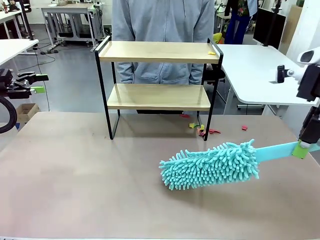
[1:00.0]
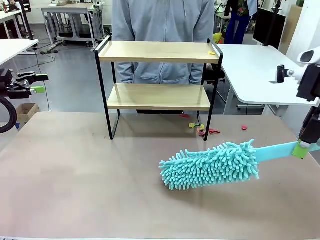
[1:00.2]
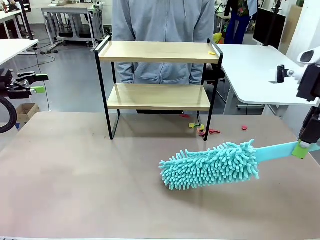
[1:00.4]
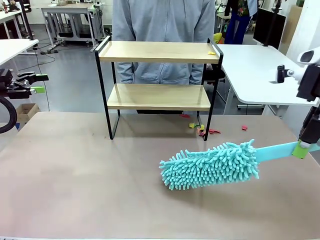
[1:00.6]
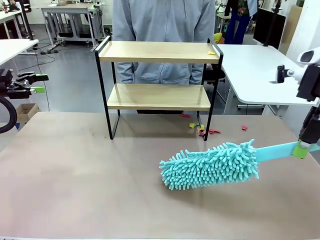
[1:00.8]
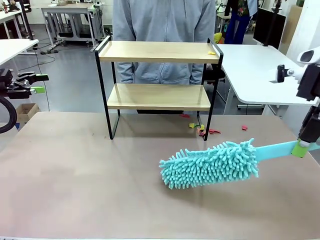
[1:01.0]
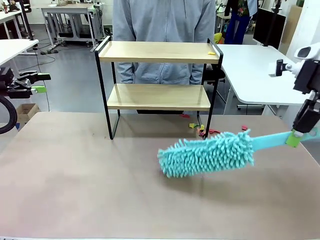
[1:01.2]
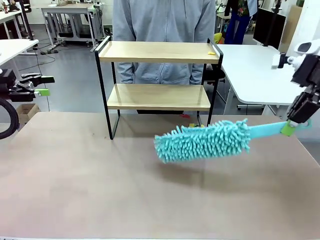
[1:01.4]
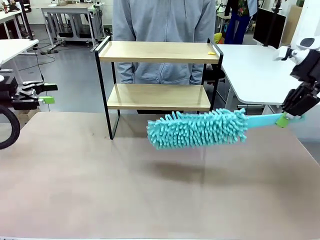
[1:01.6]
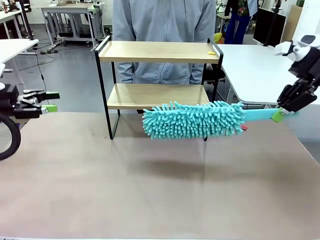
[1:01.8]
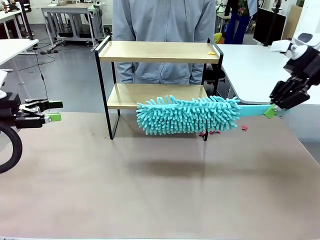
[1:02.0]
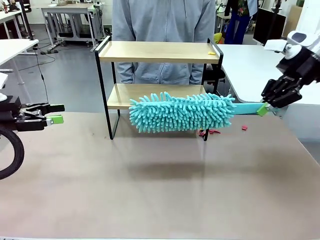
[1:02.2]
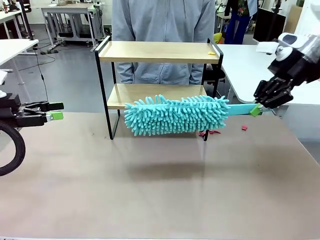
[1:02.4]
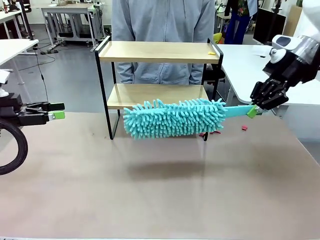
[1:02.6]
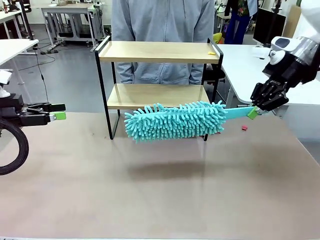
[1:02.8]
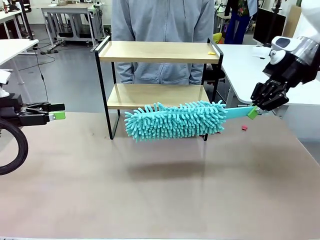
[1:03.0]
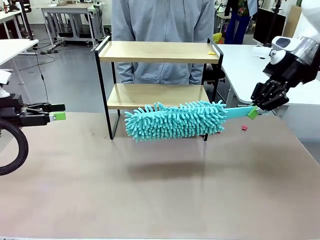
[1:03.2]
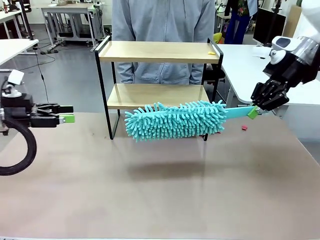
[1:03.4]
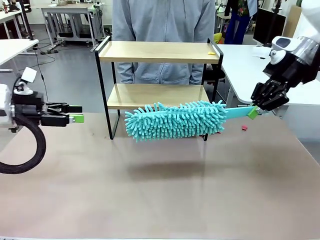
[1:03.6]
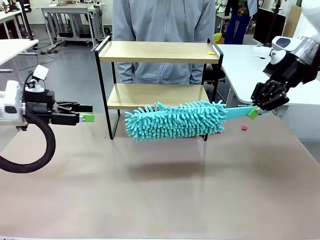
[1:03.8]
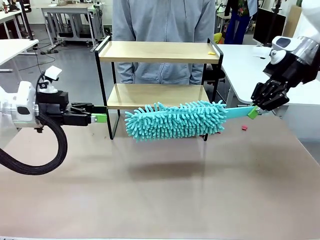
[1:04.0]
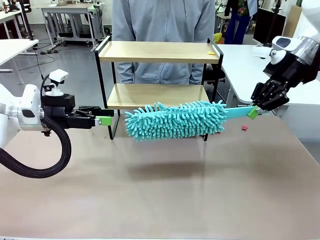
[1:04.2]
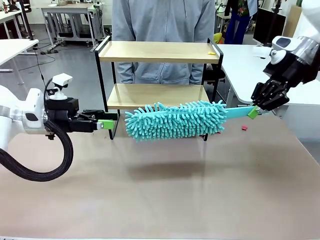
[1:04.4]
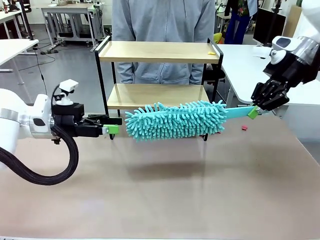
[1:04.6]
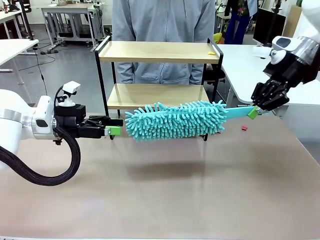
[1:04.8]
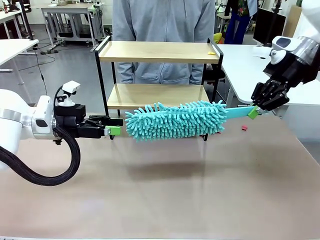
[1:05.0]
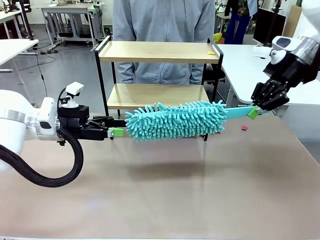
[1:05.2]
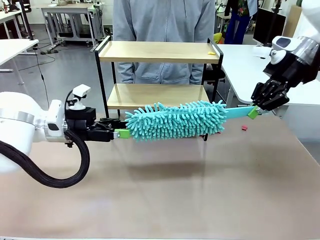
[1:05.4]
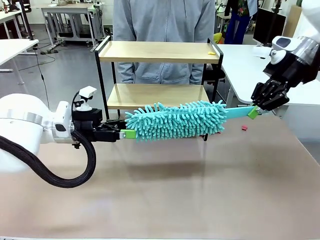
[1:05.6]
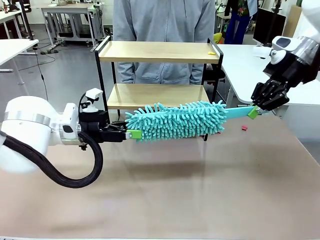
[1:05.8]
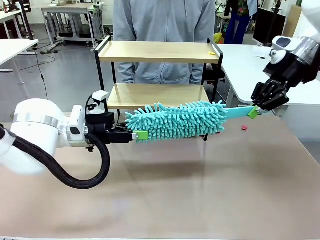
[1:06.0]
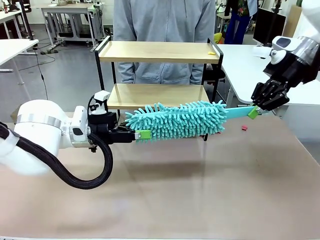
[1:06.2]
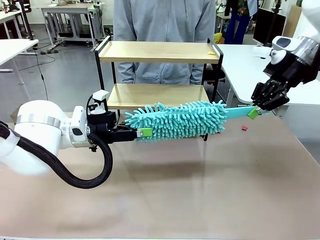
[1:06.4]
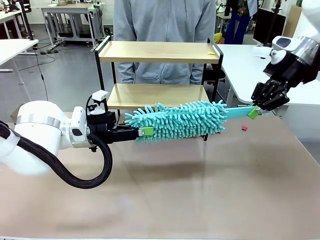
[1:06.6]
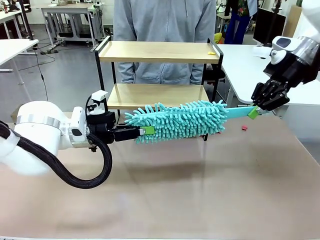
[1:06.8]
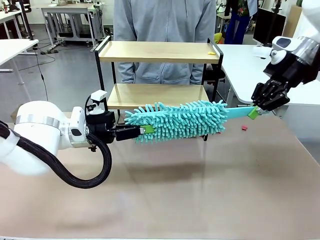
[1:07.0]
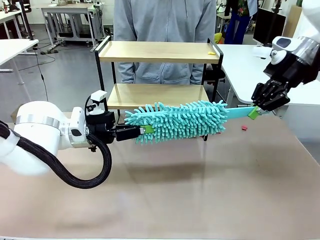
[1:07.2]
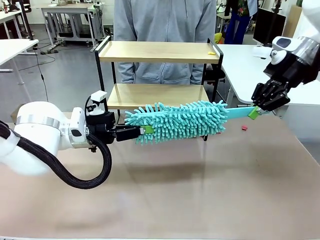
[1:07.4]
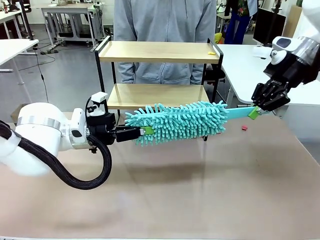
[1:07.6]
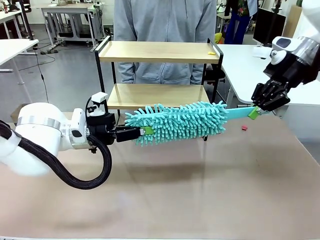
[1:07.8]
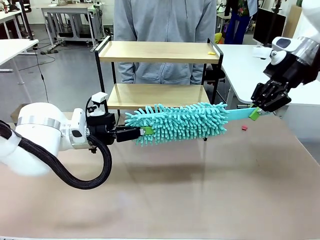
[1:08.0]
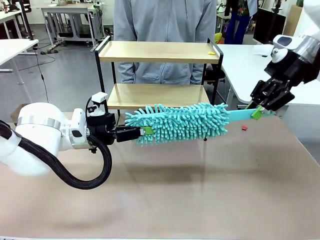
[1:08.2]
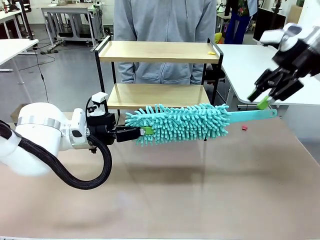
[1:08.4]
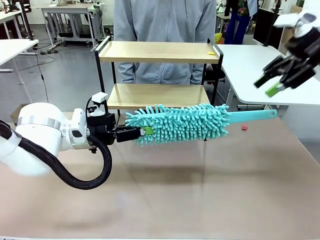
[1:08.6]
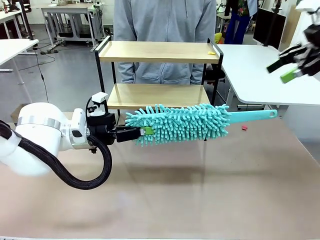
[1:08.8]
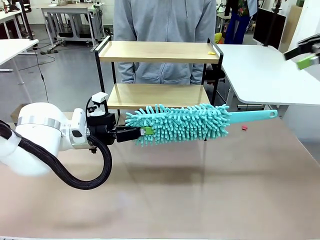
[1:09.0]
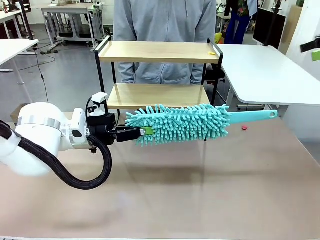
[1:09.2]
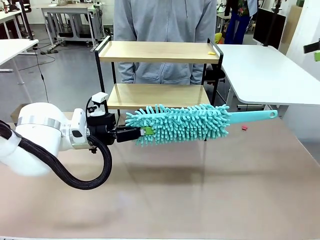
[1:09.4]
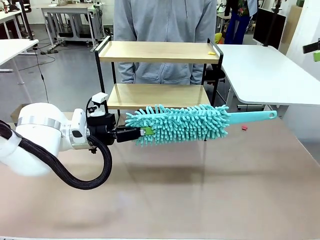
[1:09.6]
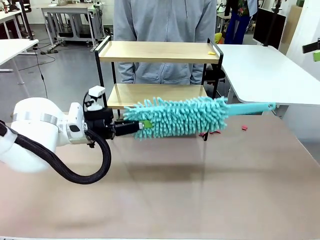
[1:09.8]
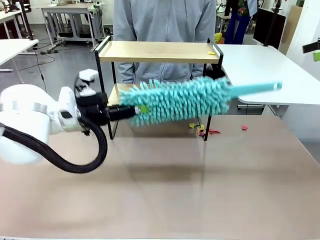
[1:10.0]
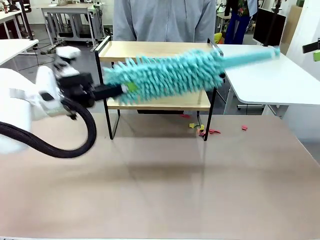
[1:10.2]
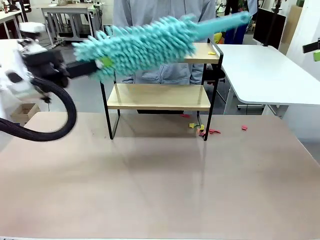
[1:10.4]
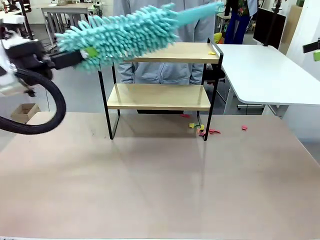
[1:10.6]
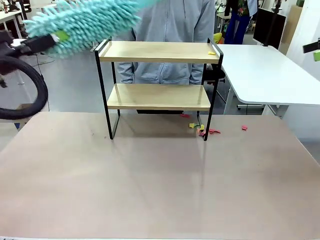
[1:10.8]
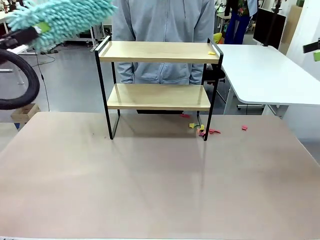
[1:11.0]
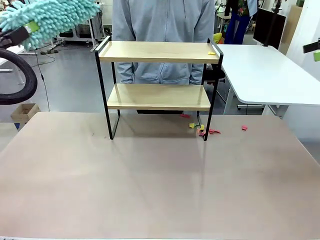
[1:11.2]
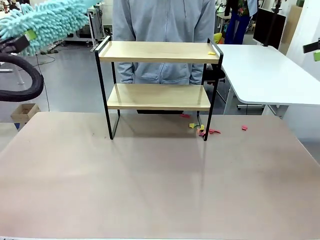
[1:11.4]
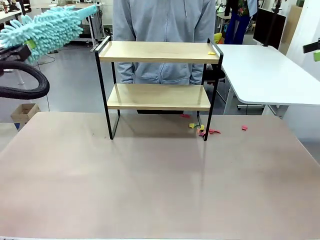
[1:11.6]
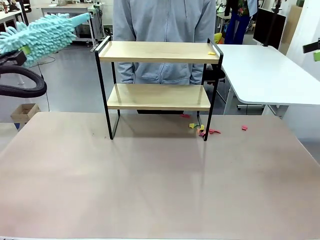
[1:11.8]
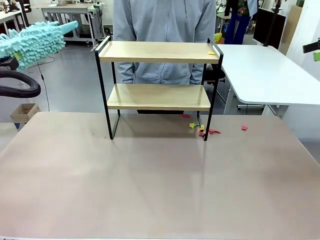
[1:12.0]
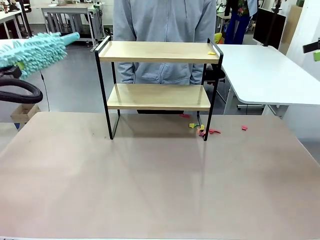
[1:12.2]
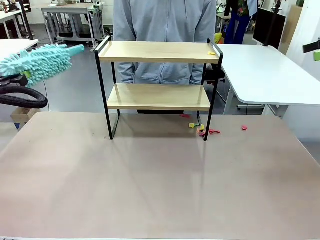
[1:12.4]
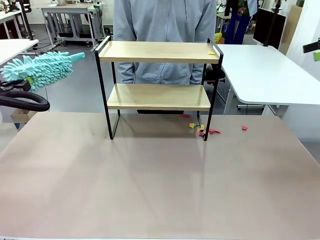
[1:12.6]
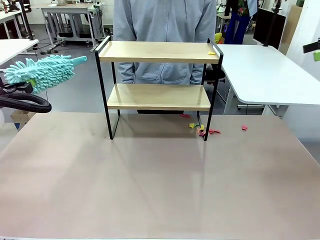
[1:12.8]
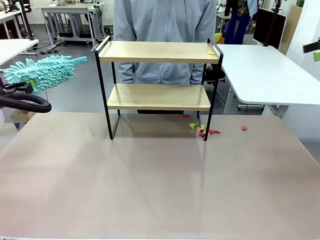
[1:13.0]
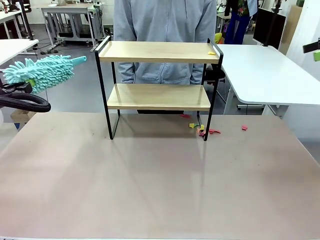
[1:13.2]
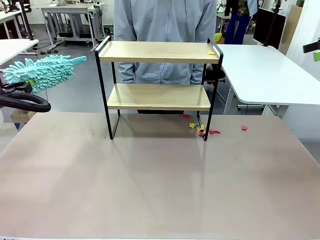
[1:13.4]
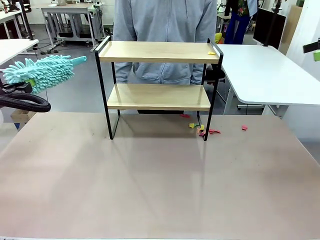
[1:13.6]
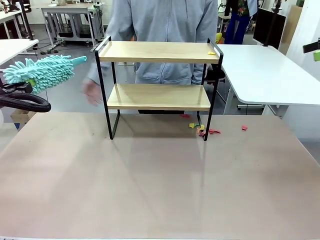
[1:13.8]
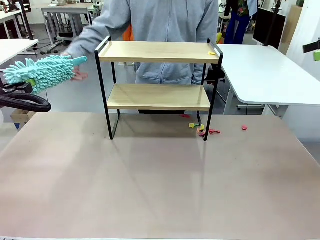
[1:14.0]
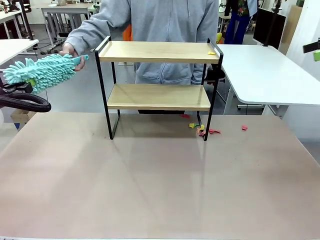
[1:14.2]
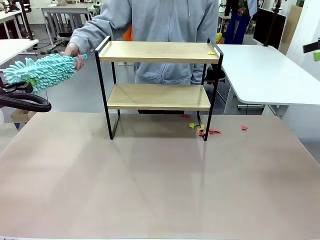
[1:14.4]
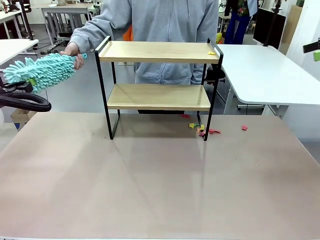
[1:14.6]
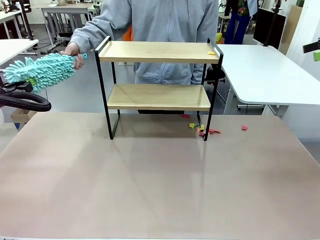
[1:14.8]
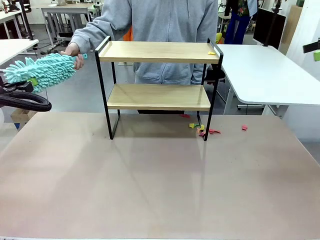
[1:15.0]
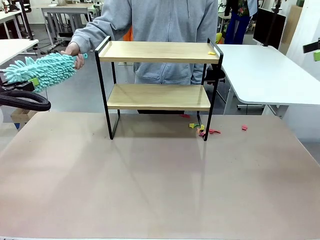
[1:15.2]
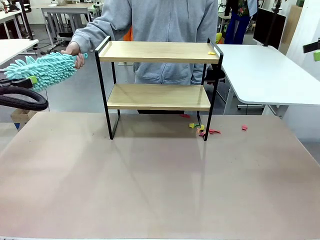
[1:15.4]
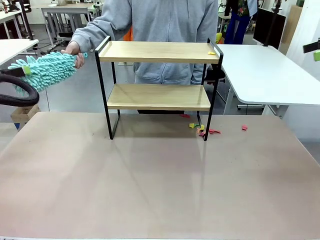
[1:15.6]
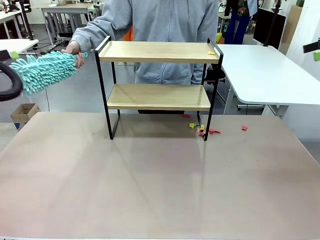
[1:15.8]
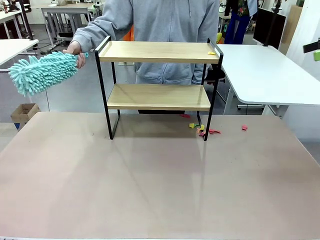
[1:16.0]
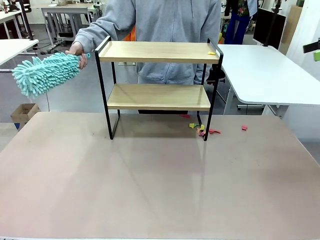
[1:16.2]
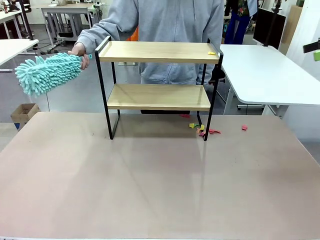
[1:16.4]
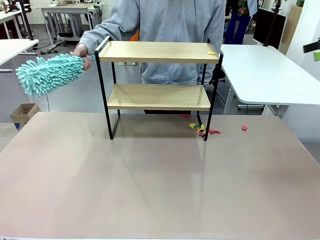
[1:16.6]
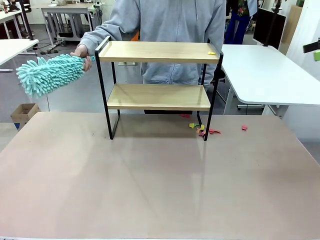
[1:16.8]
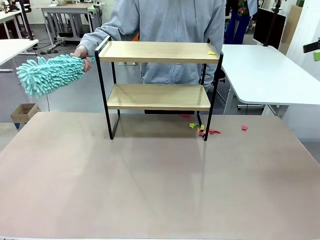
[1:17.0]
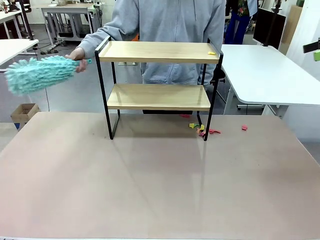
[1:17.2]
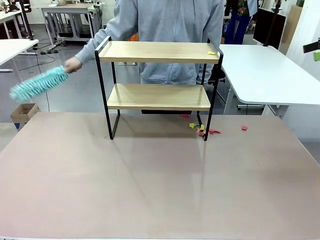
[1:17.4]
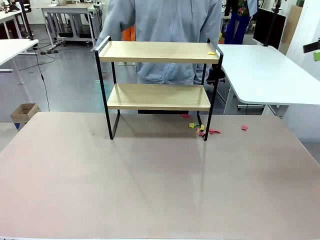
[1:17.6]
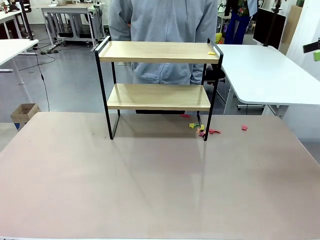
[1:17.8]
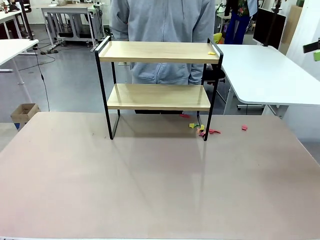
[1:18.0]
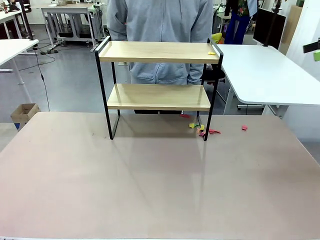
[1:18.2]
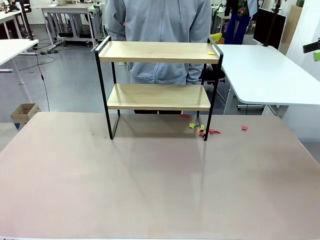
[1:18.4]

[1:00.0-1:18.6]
Task: Clean the shelf.
Robot: Hand the Duster back to the human.
Person: Receive the Duster from the robot.

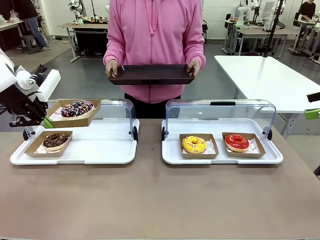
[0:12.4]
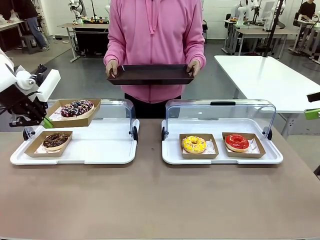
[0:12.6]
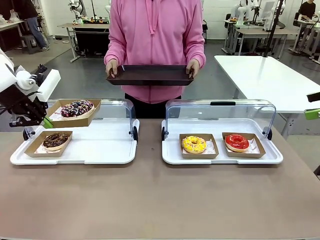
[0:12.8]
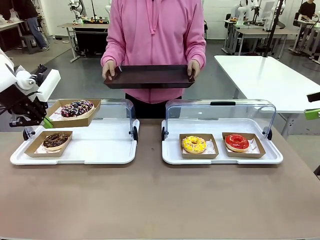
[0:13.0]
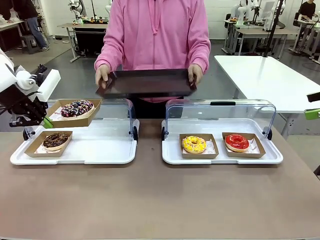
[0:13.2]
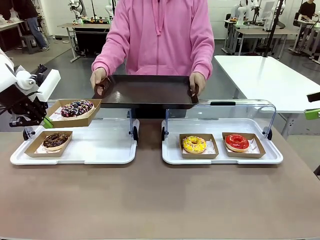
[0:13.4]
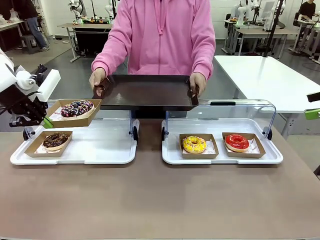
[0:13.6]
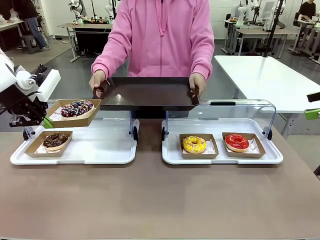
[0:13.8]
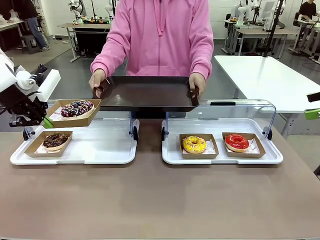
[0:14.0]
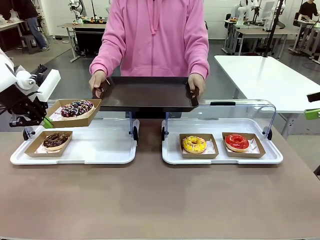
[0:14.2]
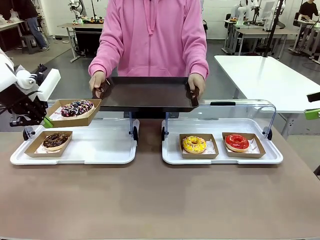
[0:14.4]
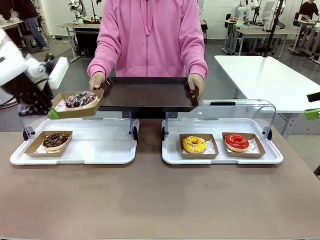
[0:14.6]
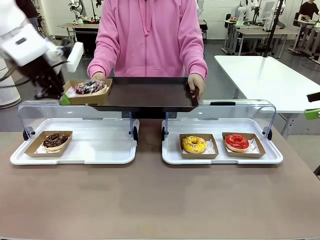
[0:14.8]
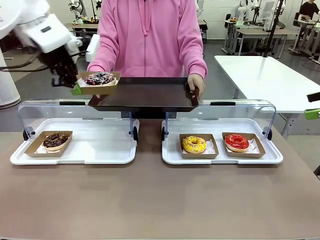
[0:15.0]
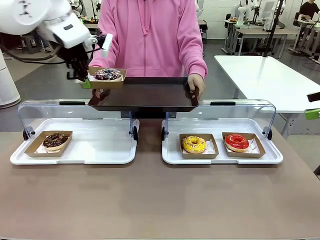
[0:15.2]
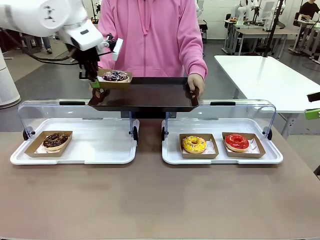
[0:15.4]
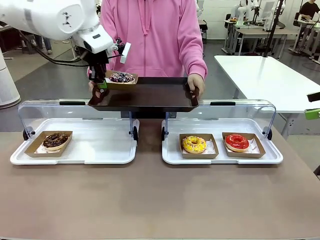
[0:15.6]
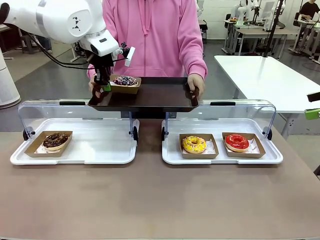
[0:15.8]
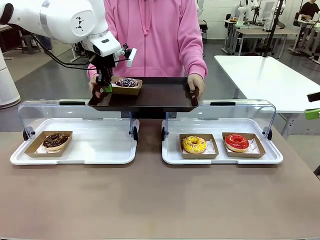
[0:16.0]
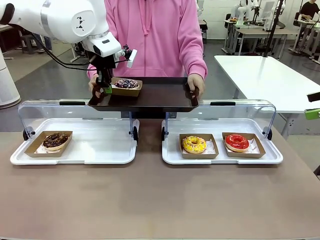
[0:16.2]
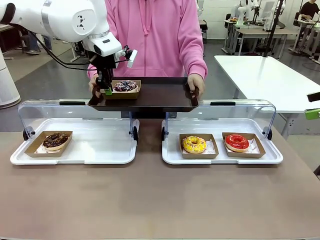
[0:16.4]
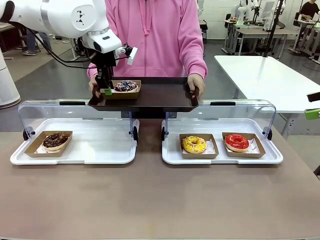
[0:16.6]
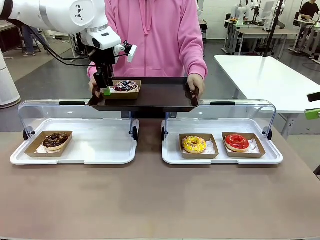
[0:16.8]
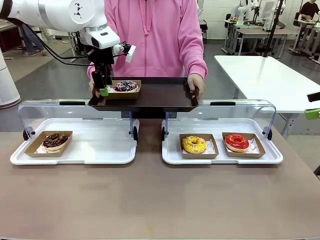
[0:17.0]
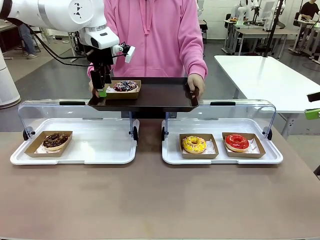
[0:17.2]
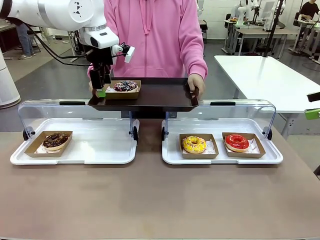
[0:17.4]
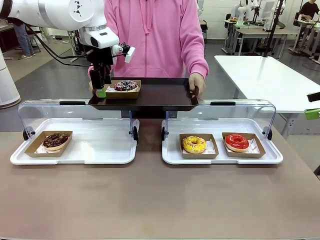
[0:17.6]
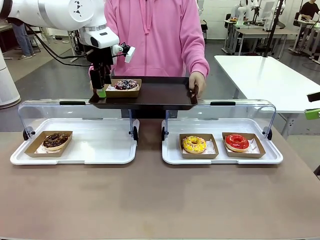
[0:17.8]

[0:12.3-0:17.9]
Task: Provide the desired donut to the person.
Robot: Place the picked Paper togo box onto the Handle tray extended by the person.
